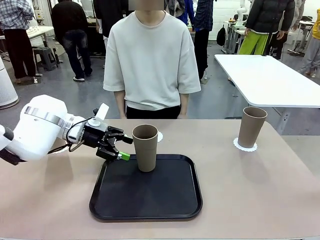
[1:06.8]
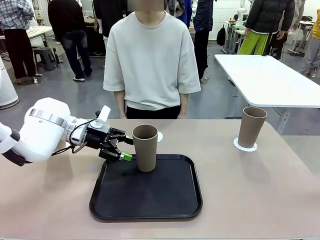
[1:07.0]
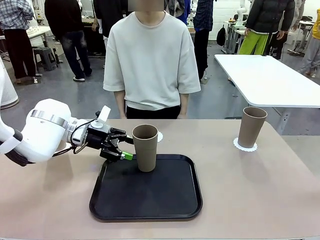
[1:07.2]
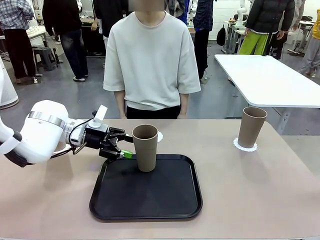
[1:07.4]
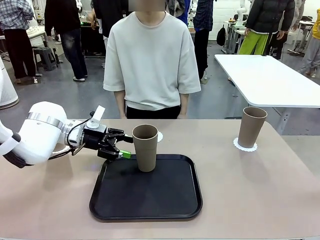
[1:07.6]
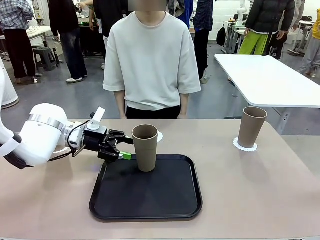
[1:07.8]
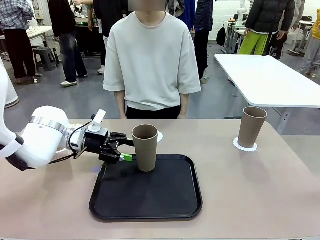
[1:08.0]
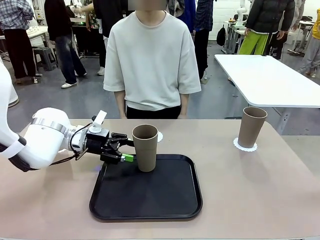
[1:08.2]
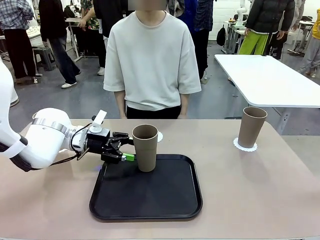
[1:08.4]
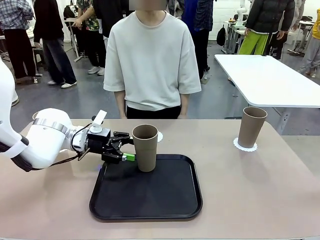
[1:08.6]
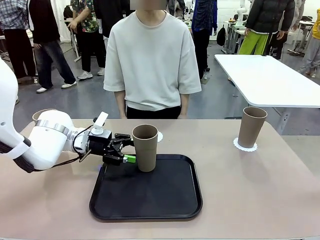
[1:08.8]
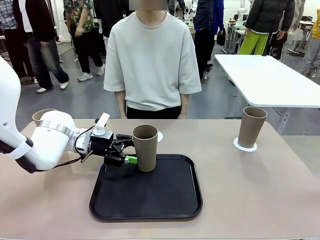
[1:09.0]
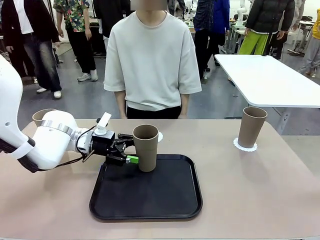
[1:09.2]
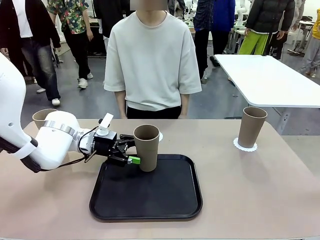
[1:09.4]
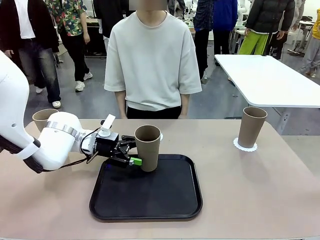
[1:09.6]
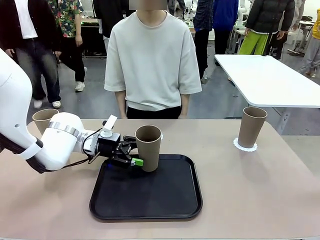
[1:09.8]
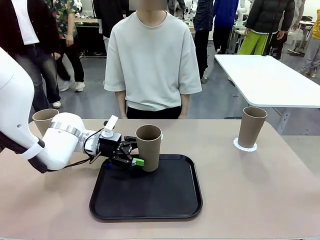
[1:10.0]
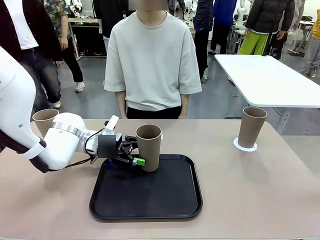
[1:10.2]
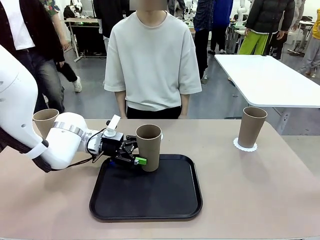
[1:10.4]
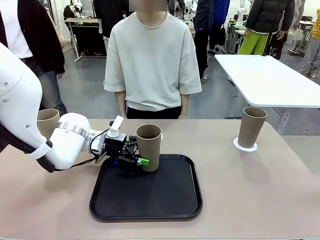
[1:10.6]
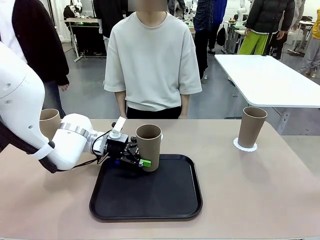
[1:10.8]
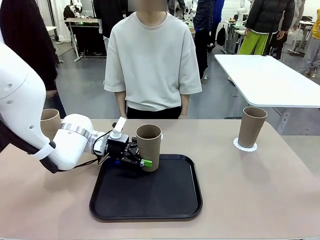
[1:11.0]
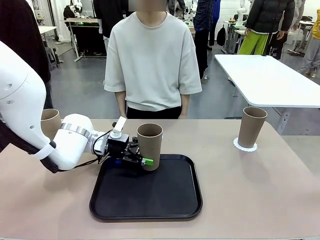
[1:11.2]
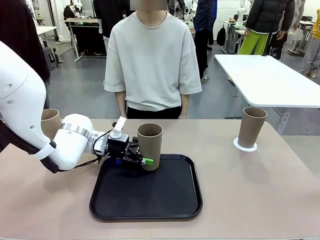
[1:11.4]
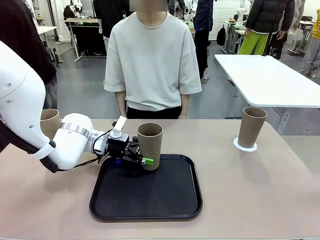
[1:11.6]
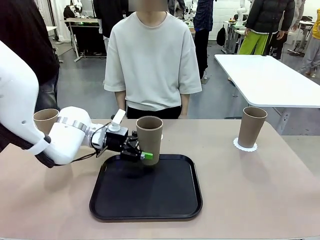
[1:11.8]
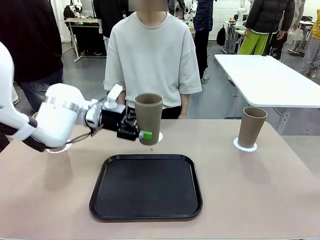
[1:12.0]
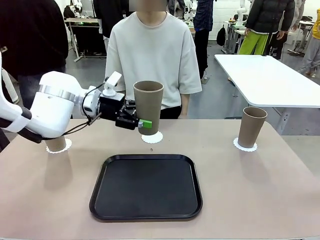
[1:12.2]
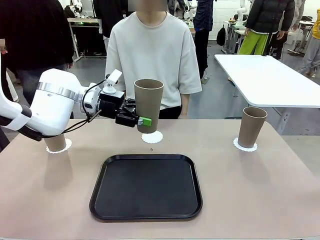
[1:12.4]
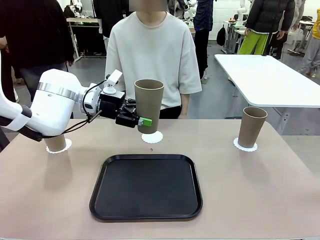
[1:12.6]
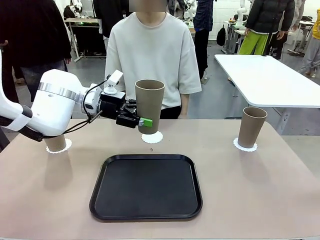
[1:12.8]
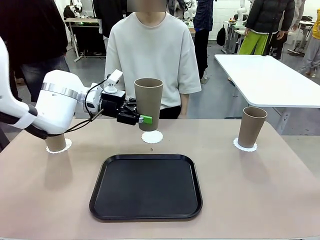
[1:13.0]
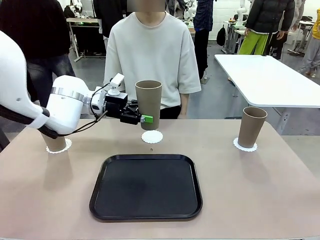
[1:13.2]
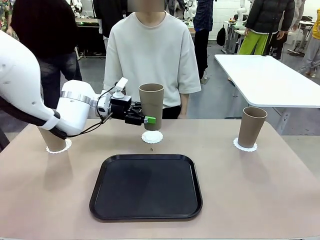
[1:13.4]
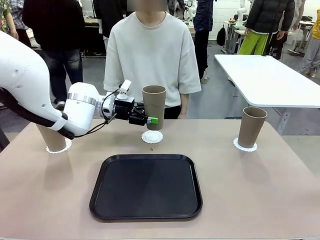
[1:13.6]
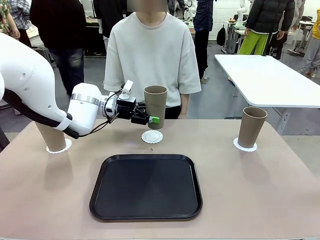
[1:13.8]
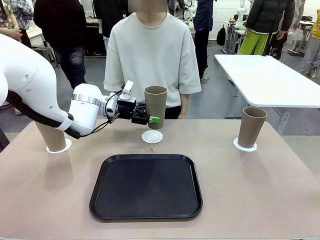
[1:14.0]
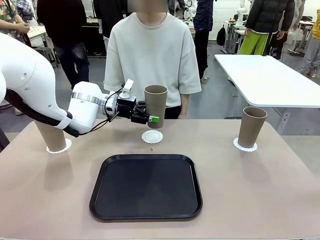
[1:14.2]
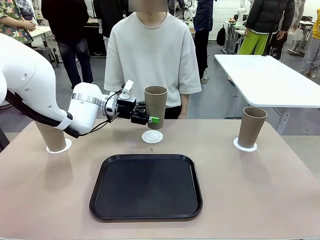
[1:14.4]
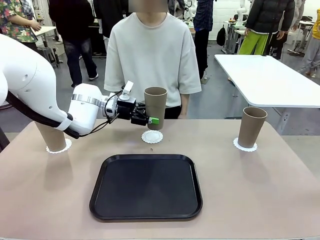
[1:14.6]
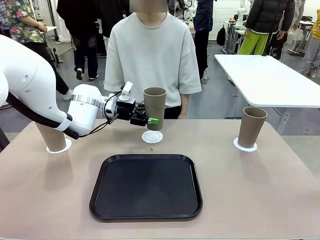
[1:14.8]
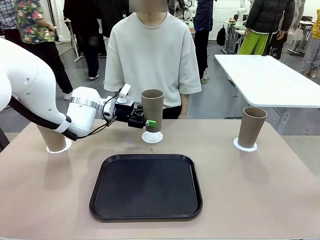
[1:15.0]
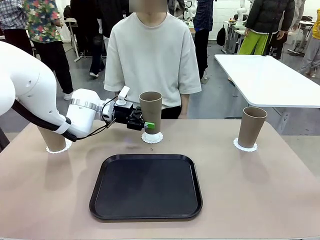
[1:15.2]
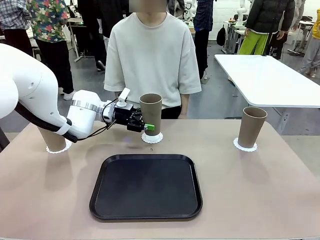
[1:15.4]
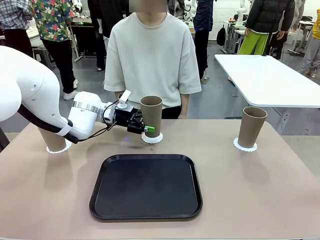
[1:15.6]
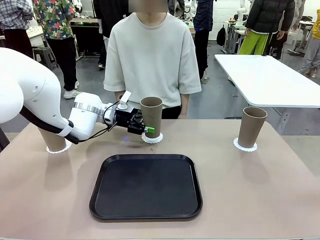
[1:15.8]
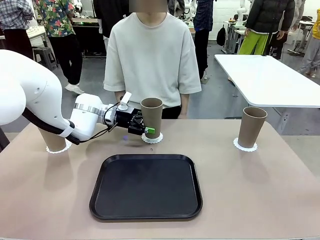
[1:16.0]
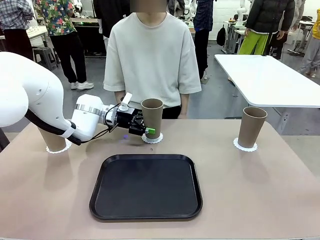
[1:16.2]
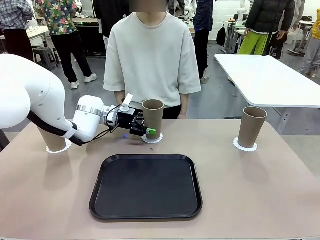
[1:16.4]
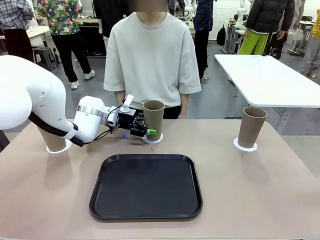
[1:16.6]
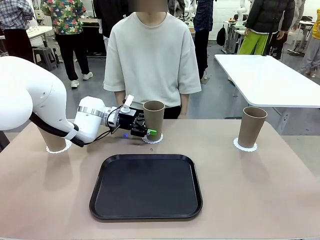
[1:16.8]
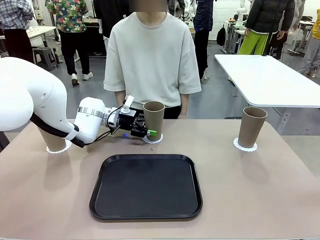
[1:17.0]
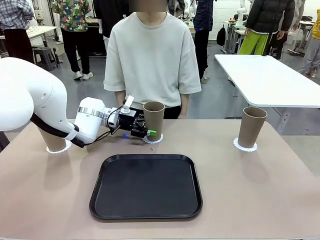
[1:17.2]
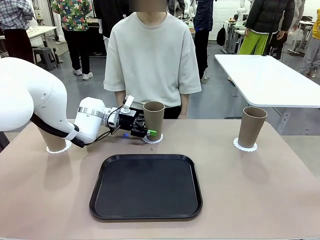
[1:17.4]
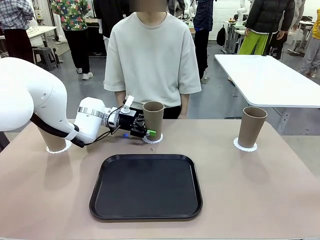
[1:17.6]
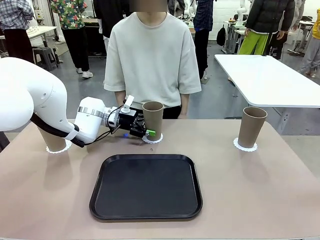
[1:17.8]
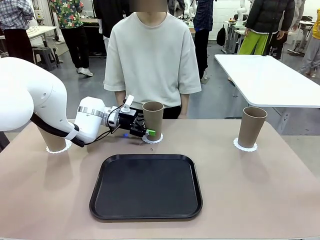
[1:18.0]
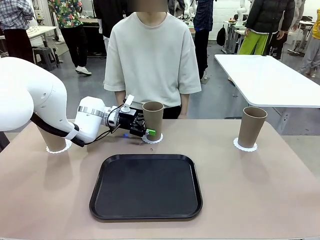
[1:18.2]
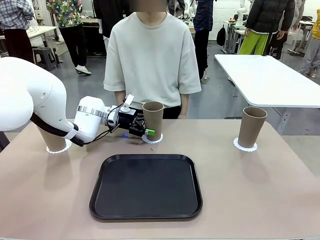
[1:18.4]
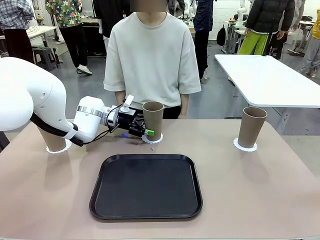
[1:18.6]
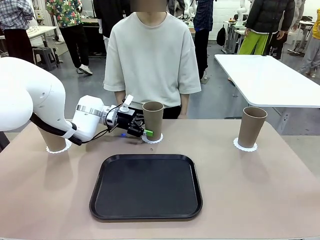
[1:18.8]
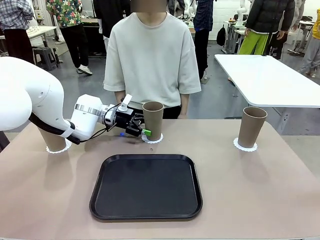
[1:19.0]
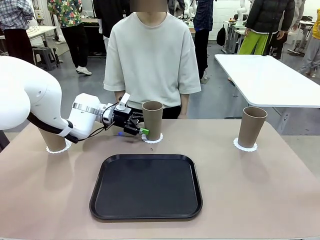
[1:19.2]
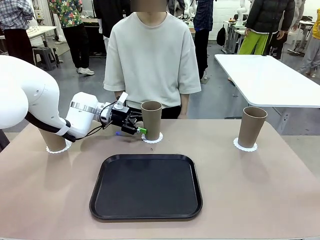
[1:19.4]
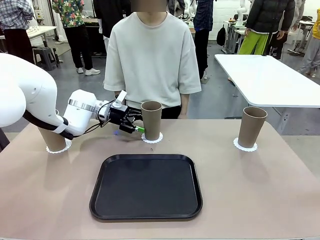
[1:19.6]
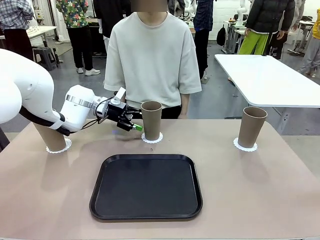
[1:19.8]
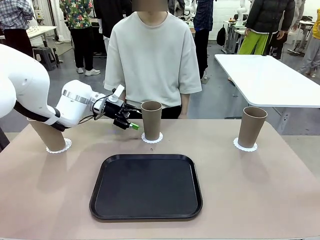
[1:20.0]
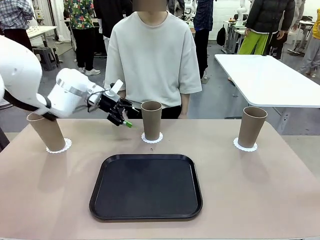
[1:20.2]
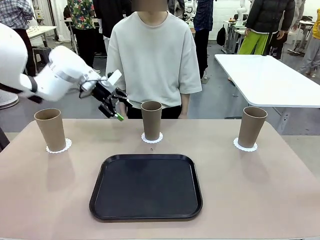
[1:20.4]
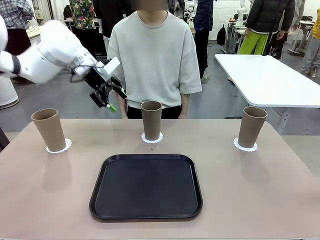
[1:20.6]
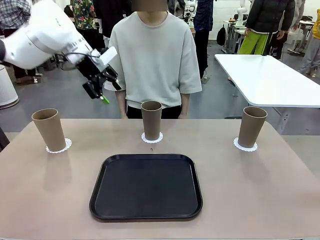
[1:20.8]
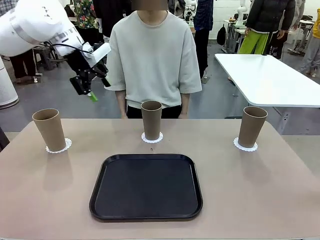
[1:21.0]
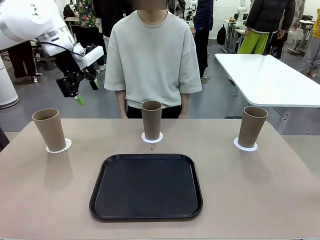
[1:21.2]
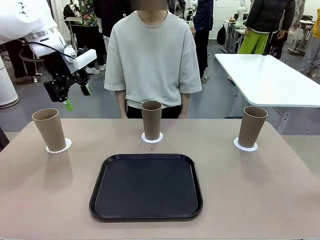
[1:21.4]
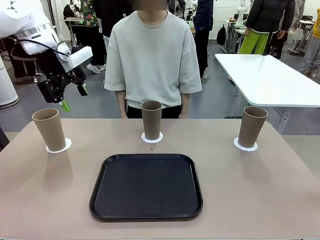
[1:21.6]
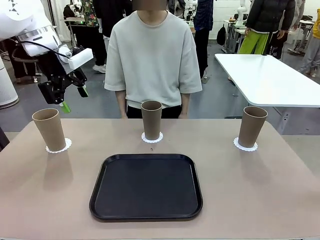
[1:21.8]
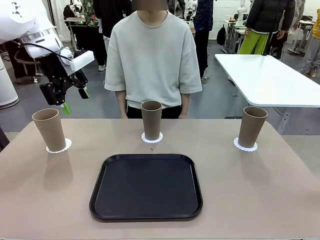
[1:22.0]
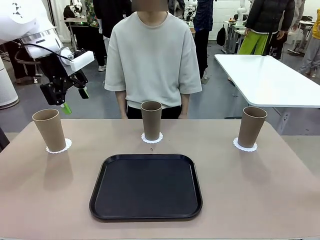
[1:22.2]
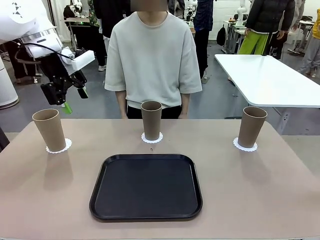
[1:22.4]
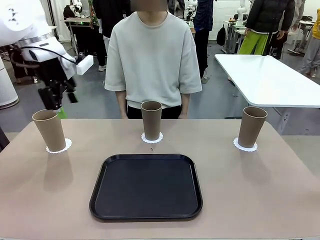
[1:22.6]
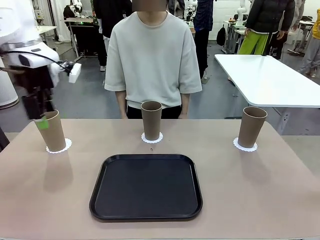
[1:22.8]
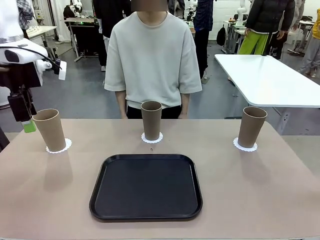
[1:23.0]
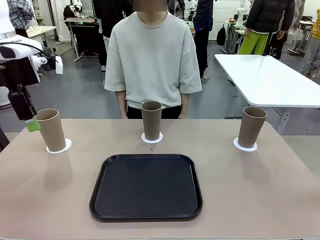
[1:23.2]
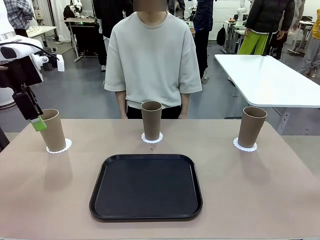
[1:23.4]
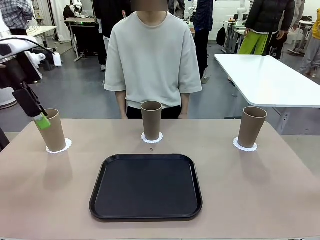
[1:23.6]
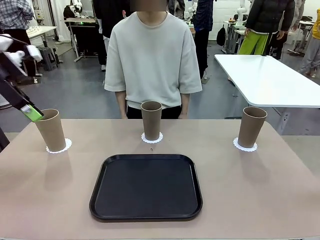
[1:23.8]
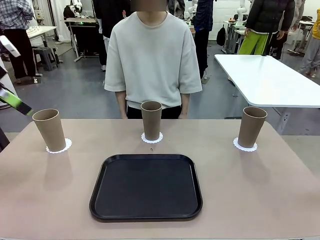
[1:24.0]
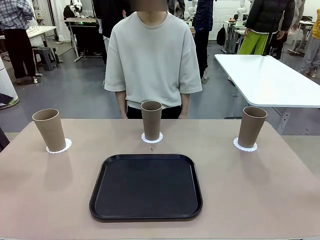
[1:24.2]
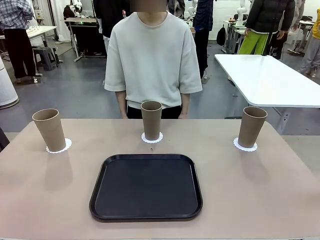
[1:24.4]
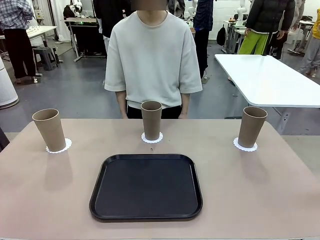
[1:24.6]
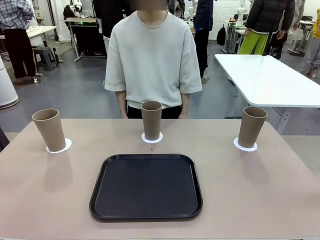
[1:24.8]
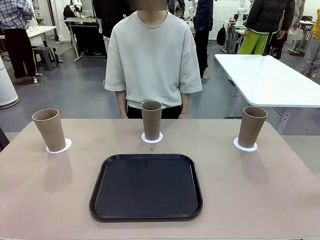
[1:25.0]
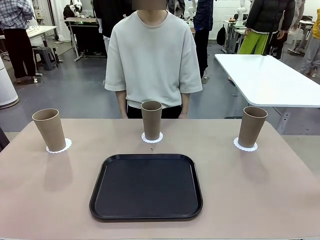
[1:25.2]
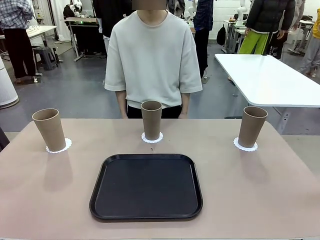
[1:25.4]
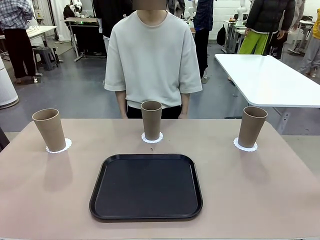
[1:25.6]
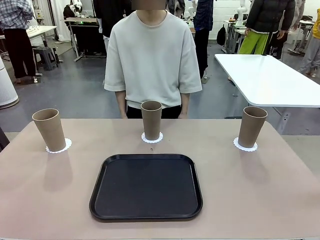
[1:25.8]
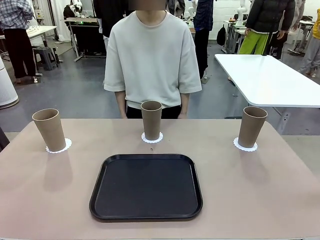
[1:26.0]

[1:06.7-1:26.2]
Task: Place coasters on the table and set cups on them.
Robot: Take one Reusable plastic cup from the Flat Tray and place it on a coaster set by the human.
